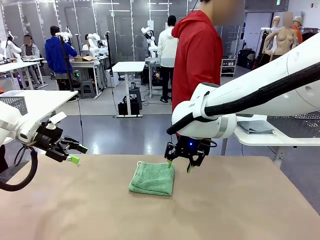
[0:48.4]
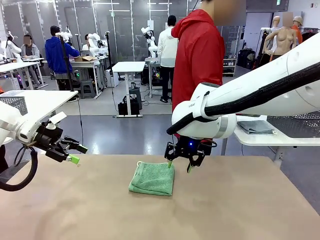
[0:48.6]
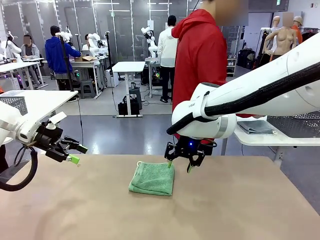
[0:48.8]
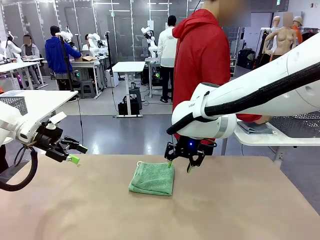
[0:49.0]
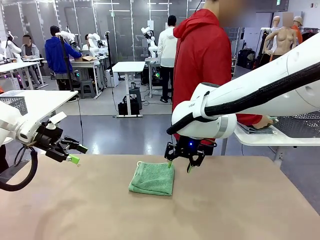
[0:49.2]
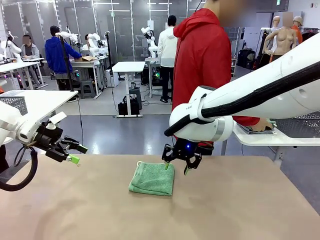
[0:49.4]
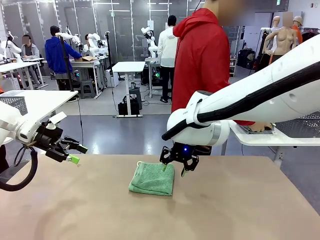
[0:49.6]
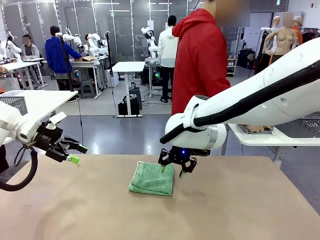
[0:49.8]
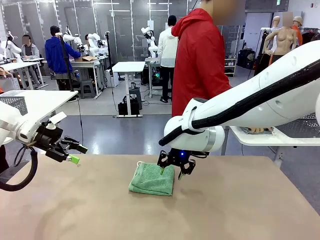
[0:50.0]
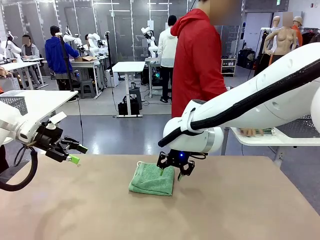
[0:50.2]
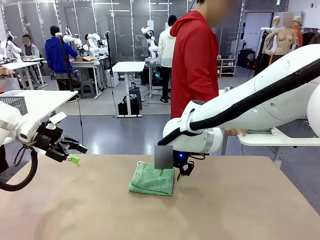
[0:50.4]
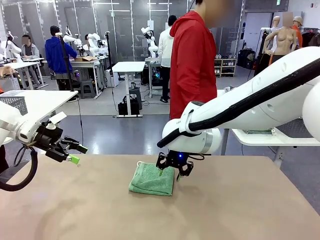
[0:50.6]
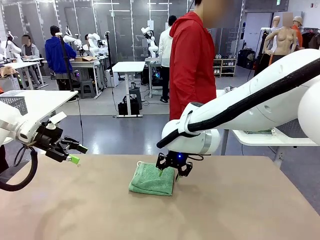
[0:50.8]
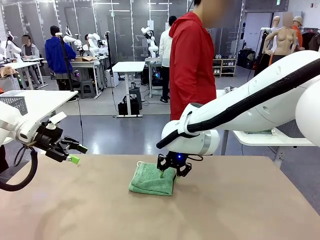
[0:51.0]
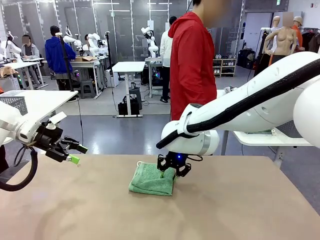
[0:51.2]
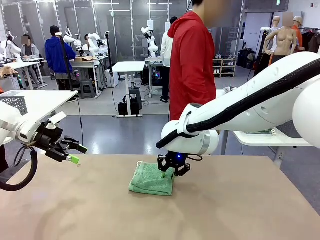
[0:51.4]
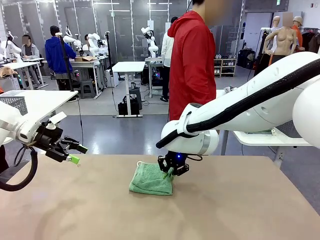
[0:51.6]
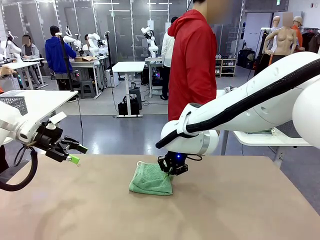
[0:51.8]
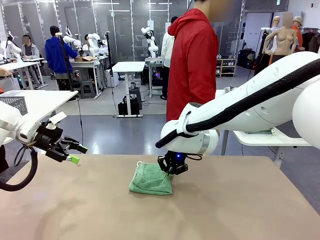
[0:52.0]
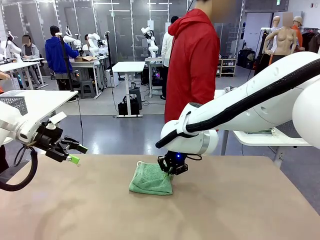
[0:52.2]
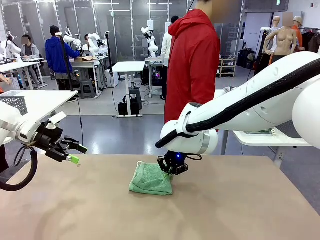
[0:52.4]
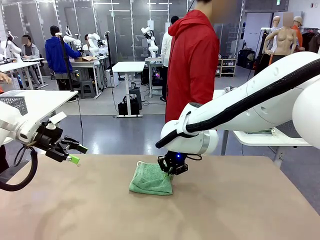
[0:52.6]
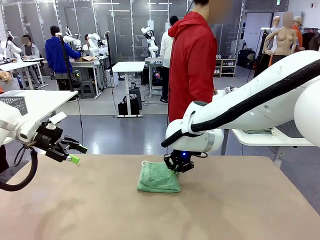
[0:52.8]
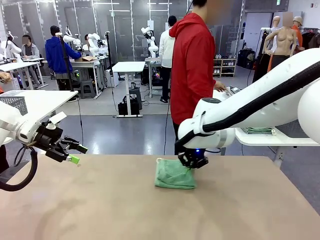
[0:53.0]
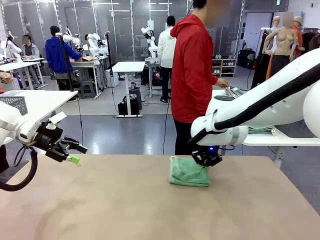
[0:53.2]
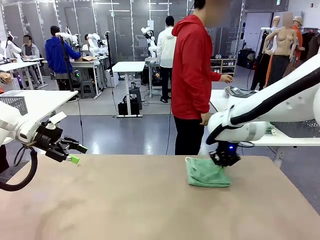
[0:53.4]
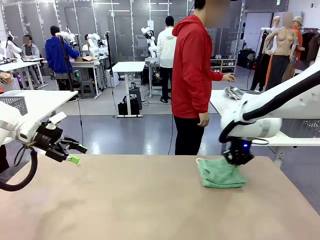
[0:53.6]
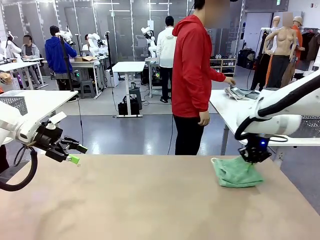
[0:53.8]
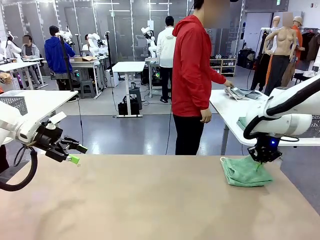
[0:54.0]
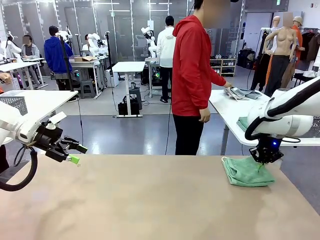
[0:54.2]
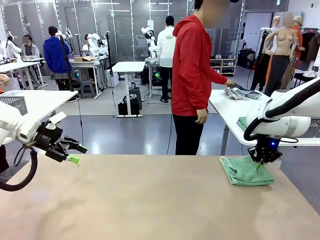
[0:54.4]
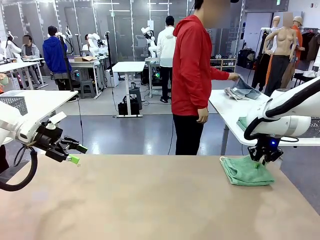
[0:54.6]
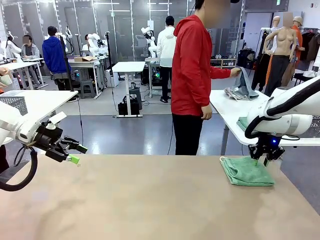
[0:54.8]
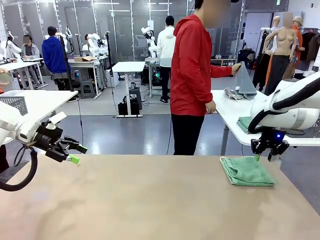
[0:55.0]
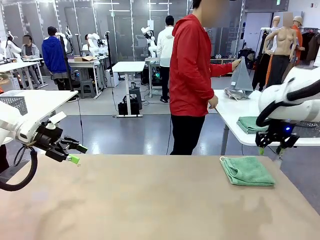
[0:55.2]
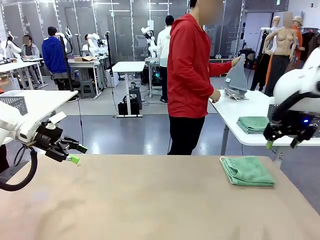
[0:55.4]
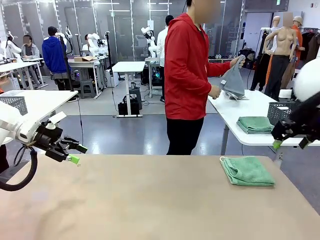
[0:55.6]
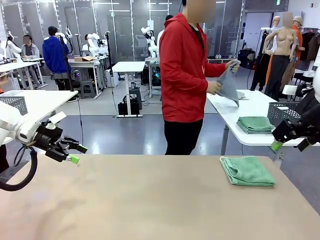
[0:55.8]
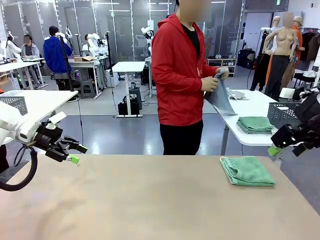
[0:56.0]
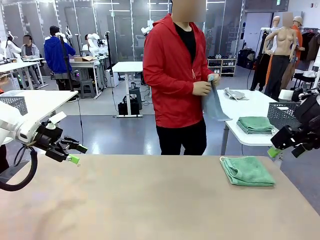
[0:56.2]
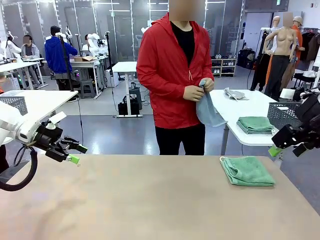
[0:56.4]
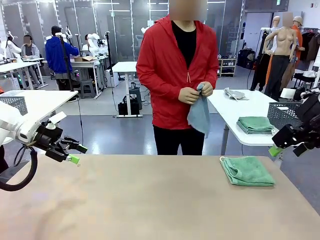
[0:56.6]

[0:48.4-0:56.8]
Task: Fold the towels and place them in the basket.
Robot: Place the folded Towel with hook on the right side of the table.
Person: Pick up one towel from the left side of the human table and spread it out at the center of the robot table.

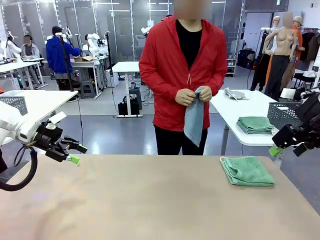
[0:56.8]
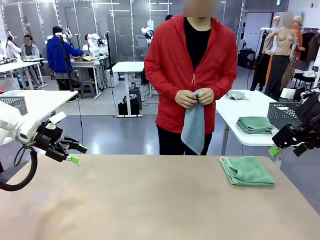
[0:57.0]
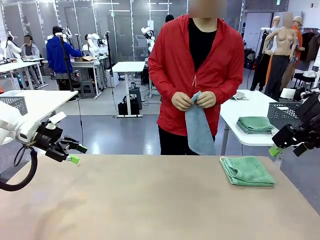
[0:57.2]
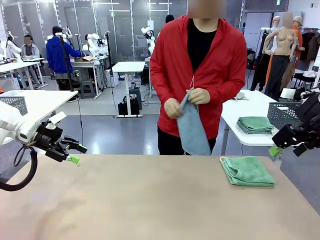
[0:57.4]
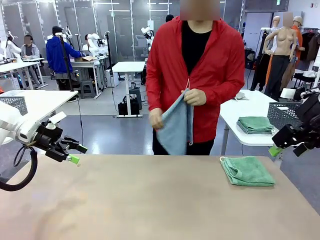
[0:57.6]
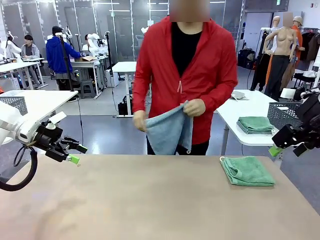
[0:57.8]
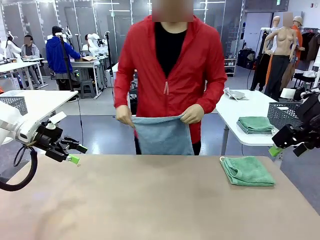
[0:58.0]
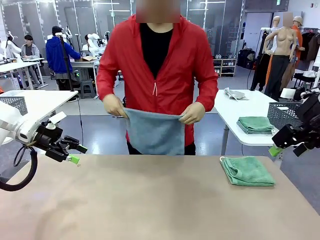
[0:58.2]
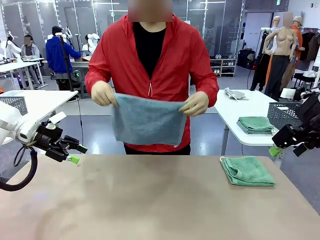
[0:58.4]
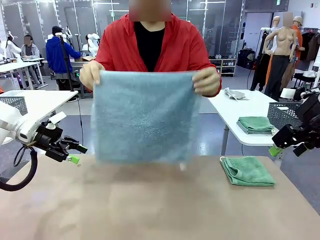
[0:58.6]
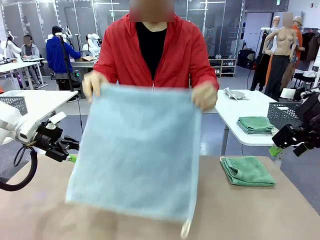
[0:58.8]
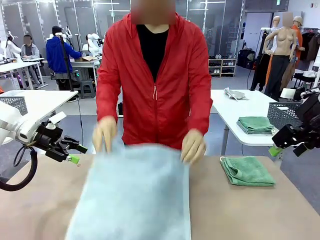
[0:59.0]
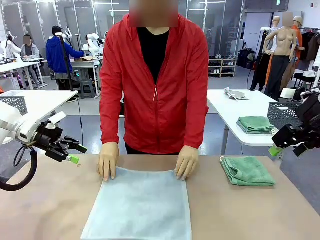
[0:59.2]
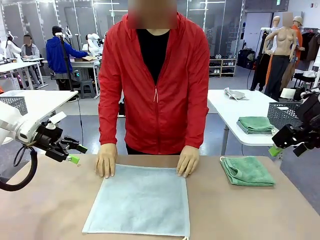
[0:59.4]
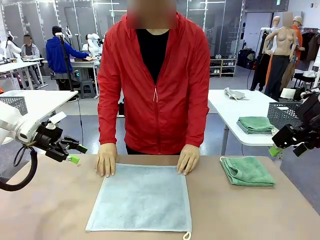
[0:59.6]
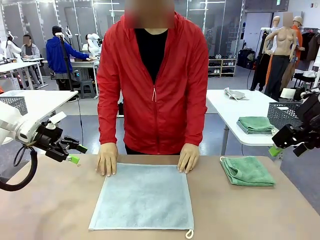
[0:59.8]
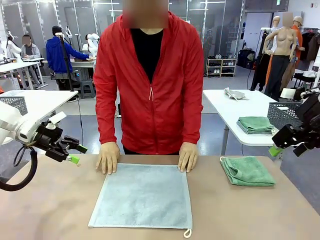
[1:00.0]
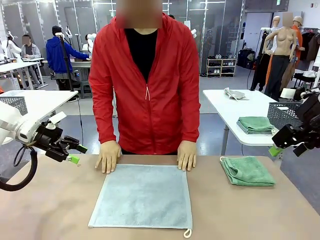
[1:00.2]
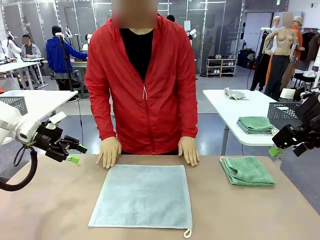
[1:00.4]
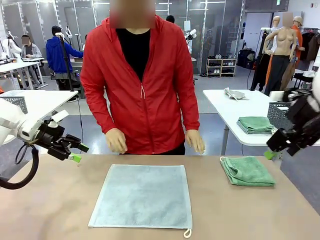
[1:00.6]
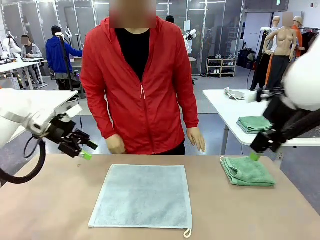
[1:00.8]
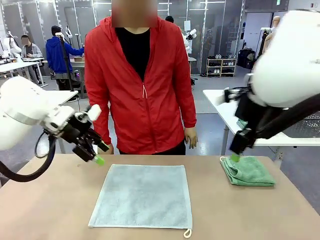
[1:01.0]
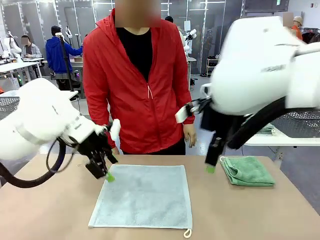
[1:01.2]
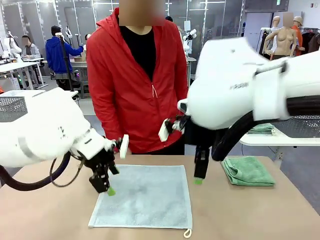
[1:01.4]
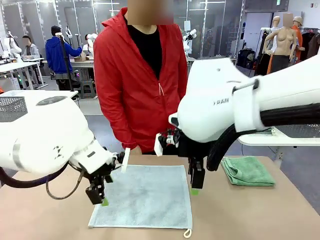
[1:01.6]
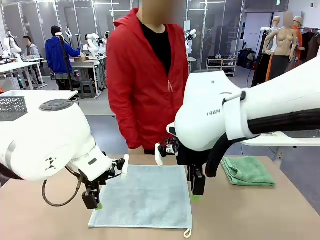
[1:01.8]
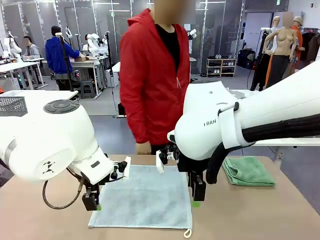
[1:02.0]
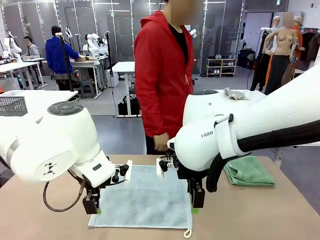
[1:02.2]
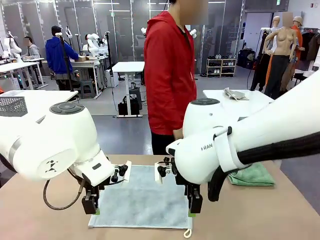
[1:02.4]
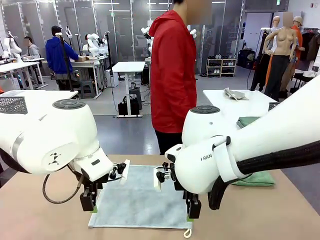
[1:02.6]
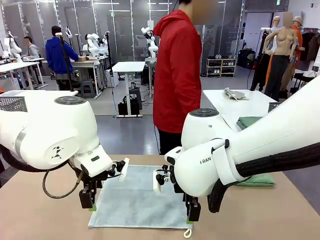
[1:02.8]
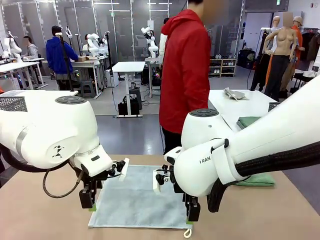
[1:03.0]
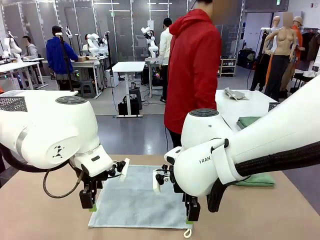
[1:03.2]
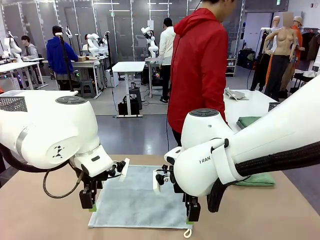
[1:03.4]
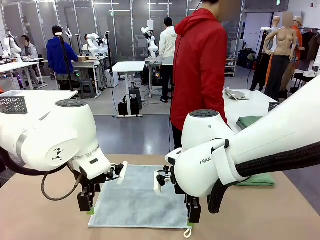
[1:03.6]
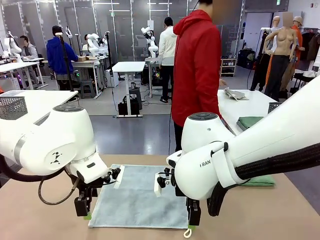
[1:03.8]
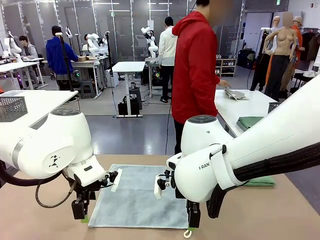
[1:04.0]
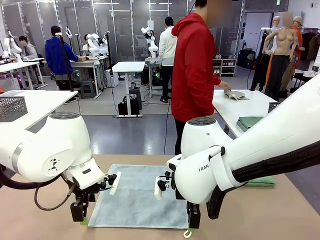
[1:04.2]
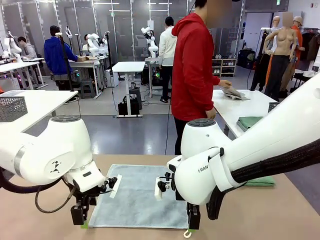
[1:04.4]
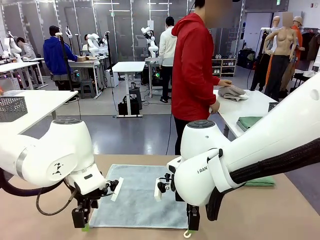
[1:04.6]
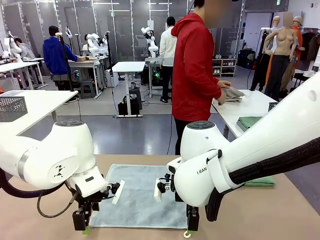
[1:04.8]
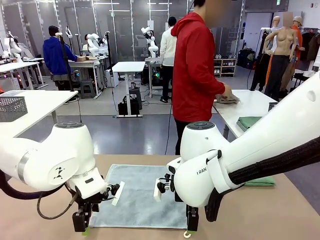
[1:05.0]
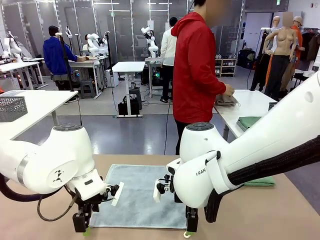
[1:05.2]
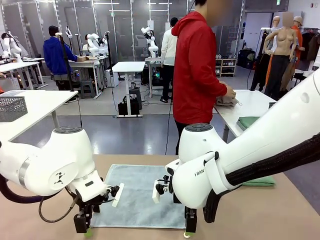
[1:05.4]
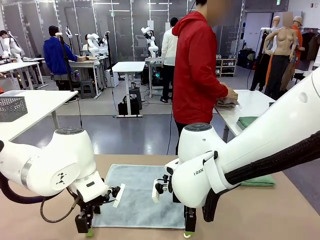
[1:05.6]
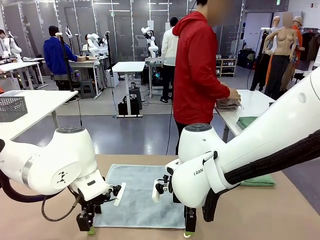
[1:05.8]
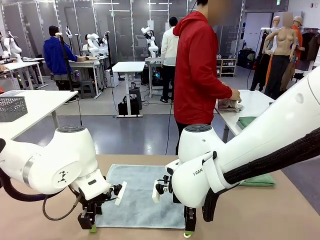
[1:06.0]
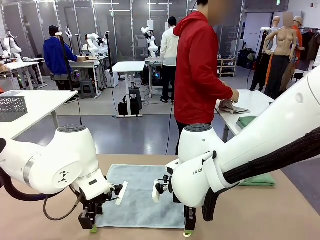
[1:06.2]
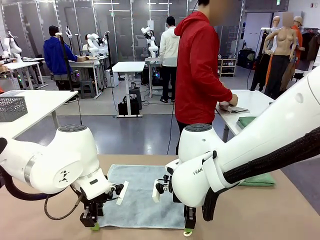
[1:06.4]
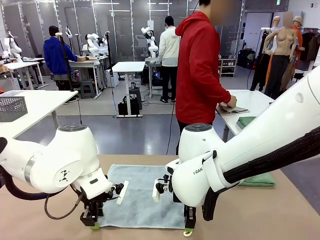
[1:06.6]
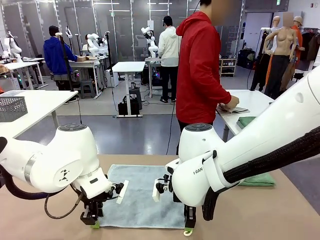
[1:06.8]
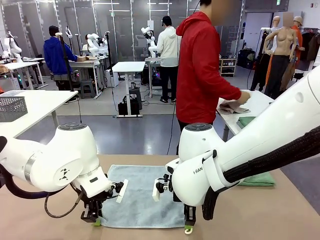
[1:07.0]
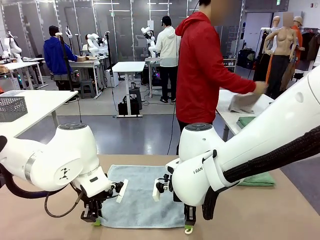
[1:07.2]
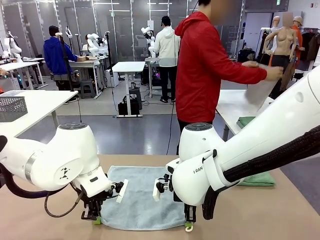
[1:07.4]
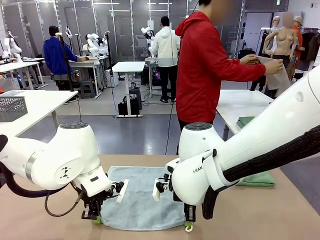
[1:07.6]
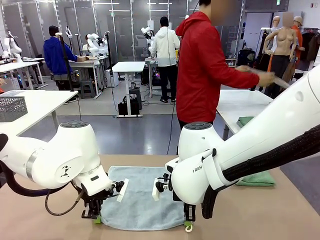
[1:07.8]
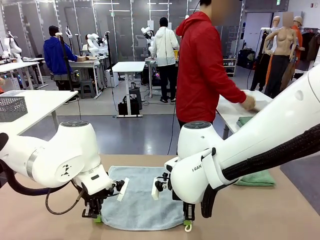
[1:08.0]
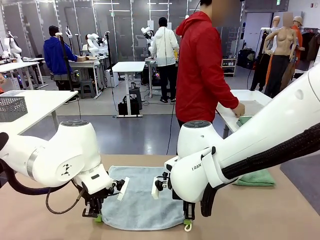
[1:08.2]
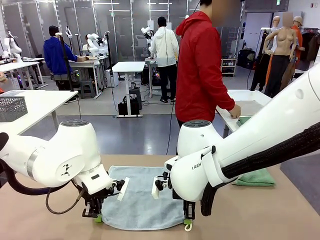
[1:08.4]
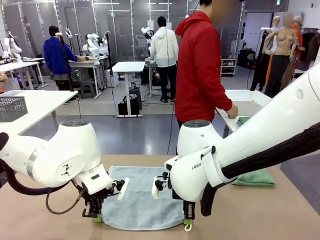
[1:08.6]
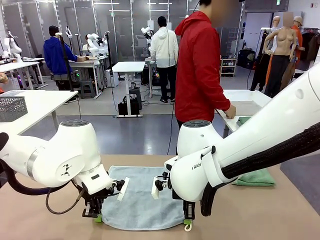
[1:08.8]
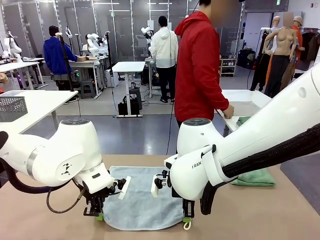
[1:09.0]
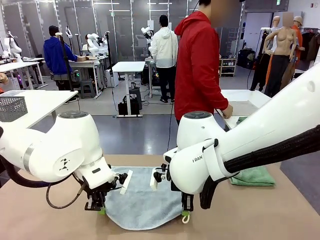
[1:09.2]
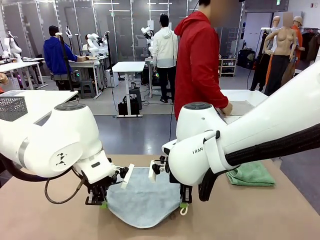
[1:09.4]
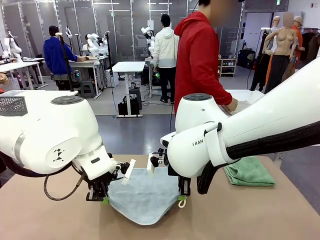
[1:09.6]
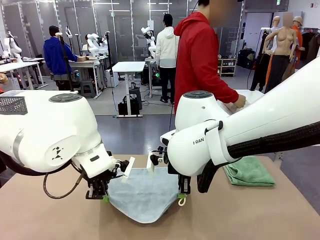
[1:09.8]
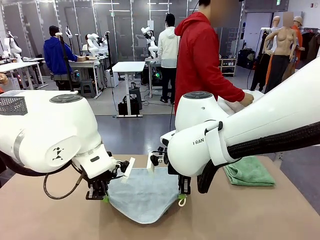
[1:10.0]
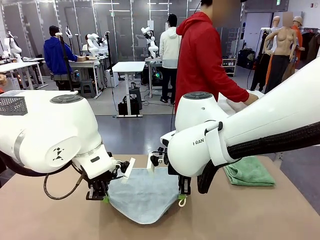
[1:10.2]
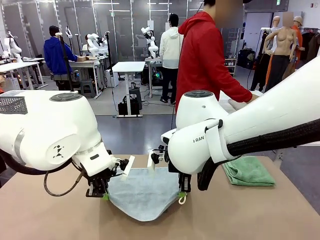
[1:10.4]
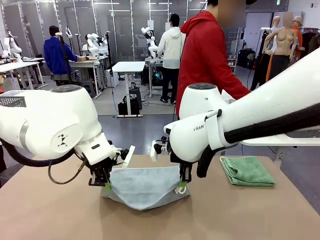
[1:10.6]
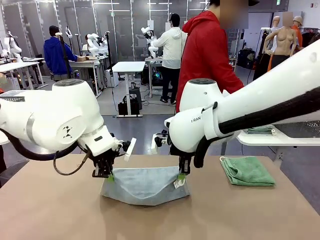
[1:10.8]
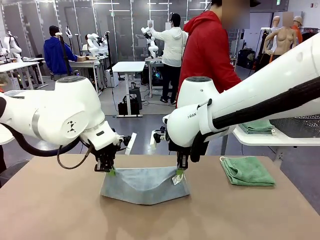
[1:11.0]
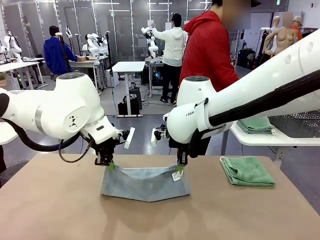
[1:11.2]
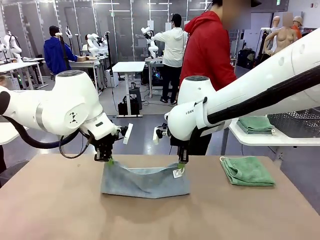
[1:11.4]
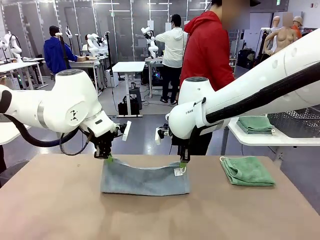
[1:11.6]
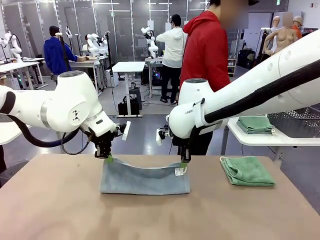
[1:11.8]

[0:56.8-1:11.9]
Robot: When a person lays out a Towel with hook on the table, fold it in half twice.
Person: Pick up one towel from the left side of the human table, fold it in half twice, and stack it on the right side of the table.
